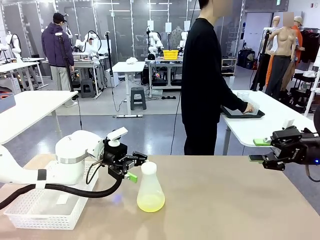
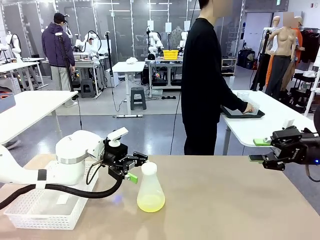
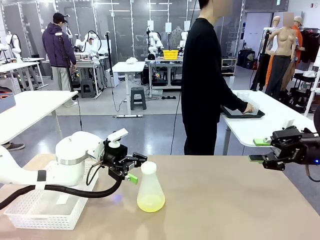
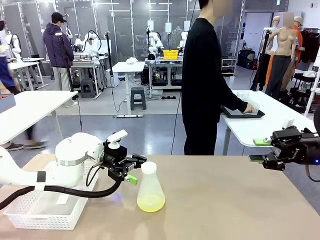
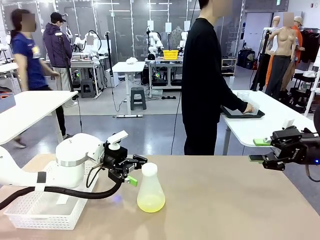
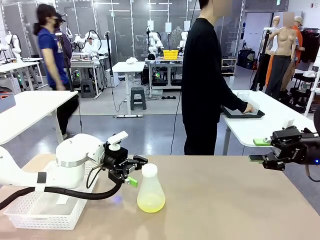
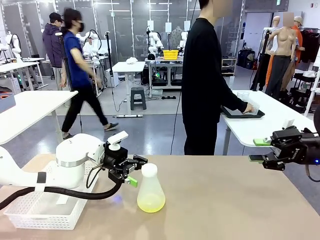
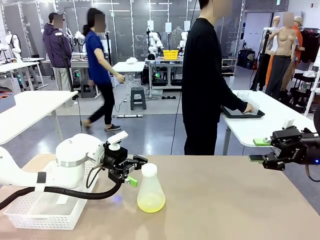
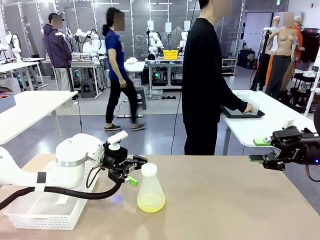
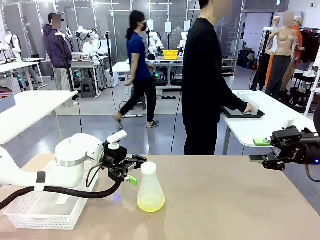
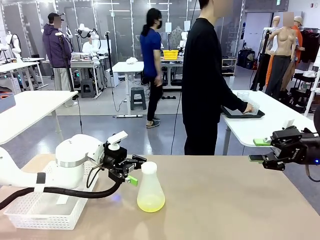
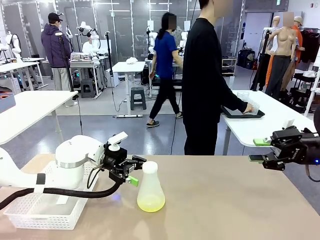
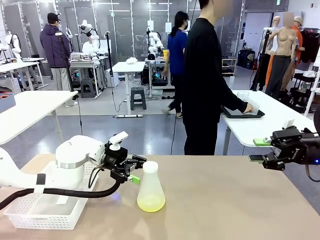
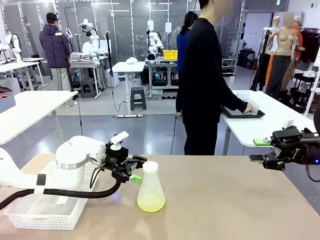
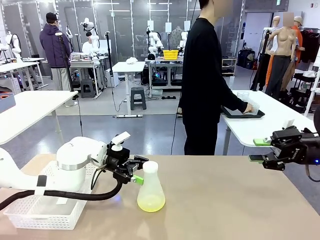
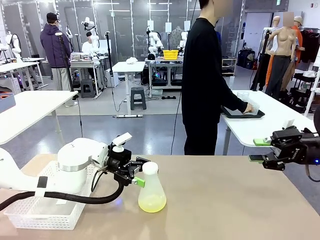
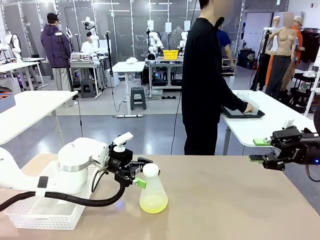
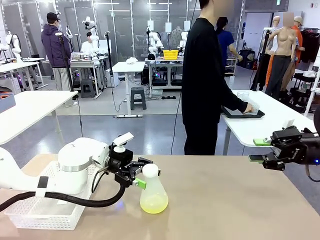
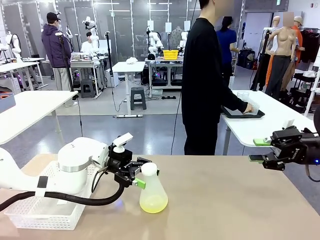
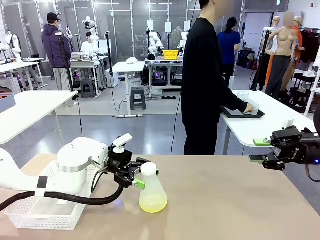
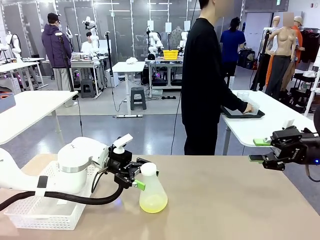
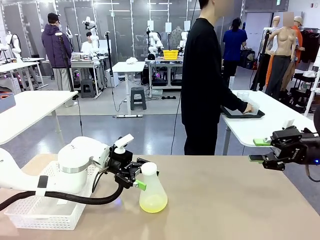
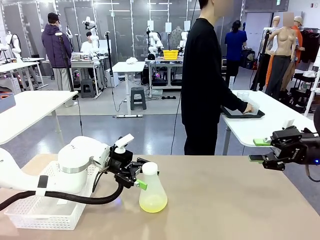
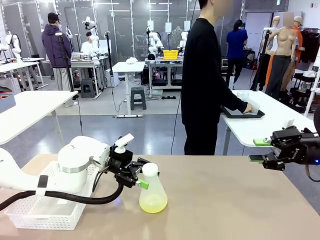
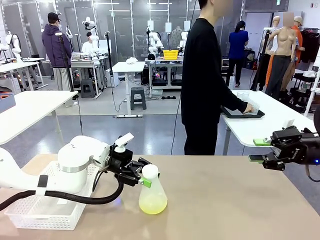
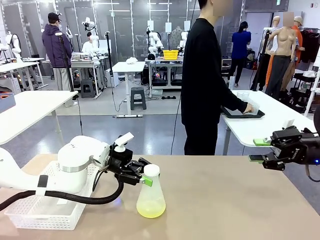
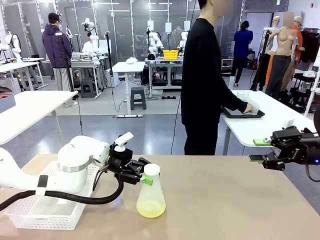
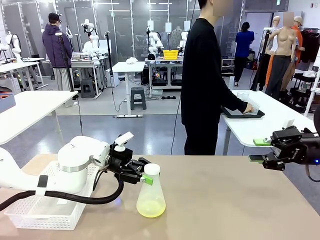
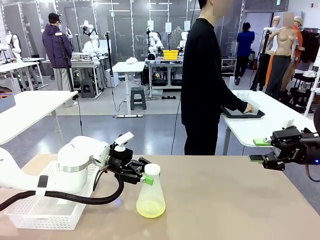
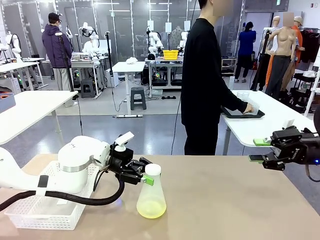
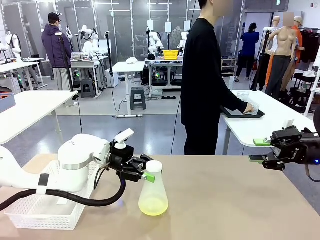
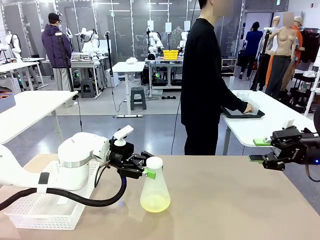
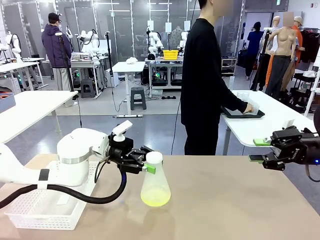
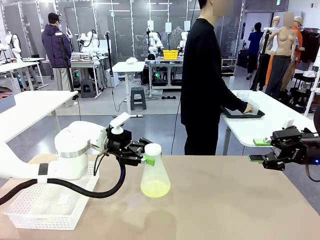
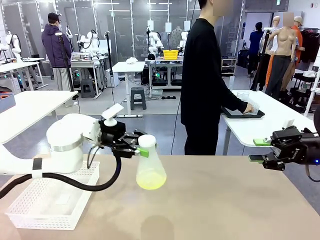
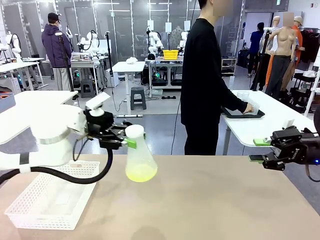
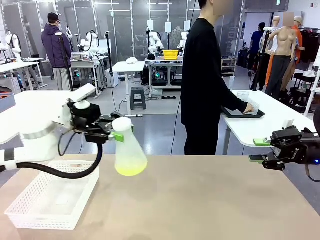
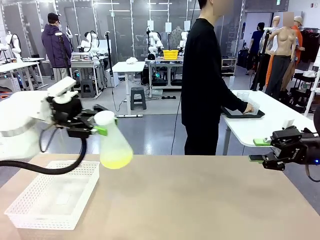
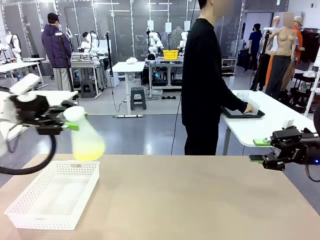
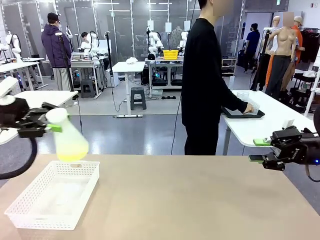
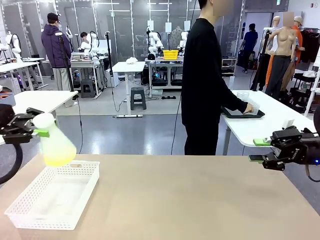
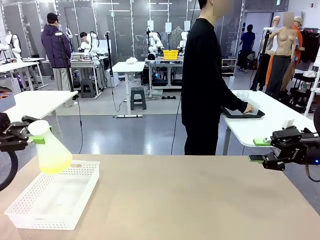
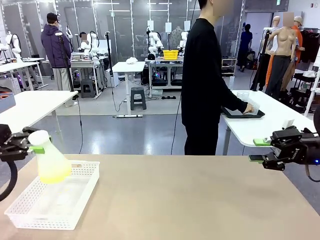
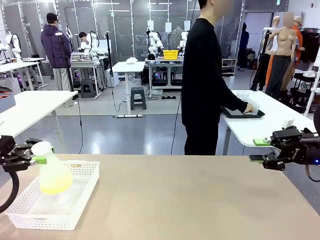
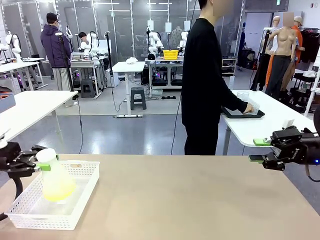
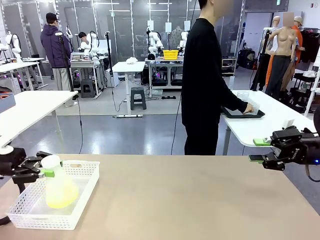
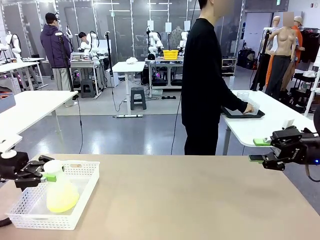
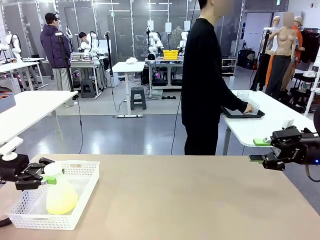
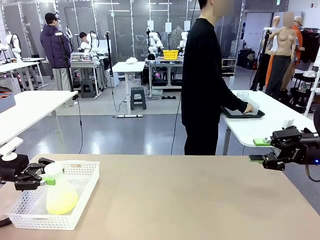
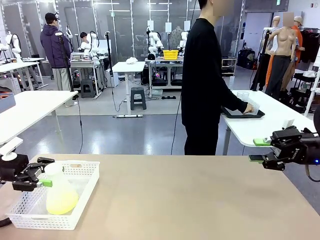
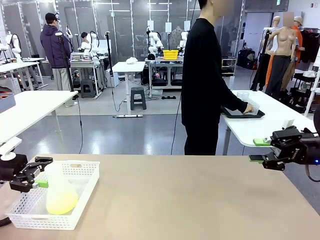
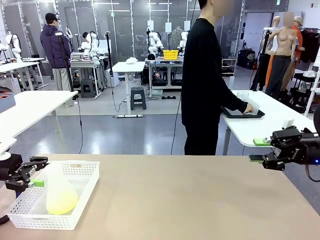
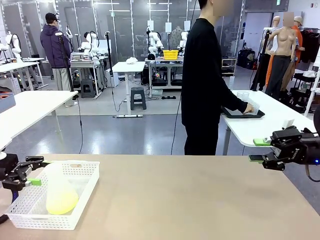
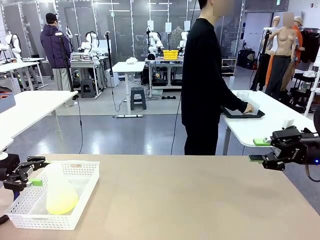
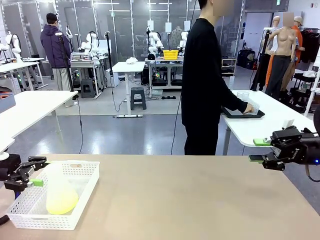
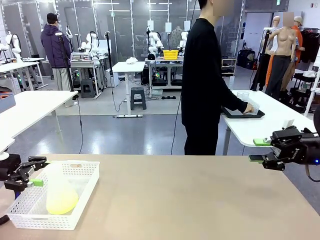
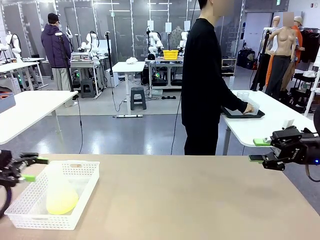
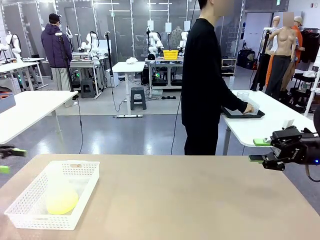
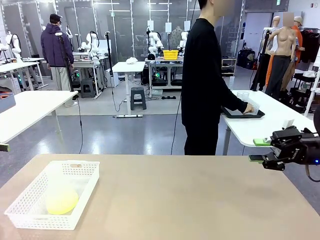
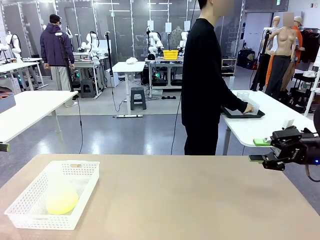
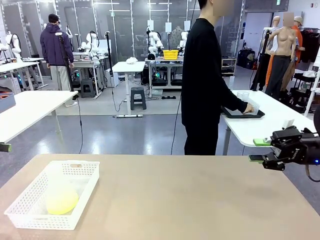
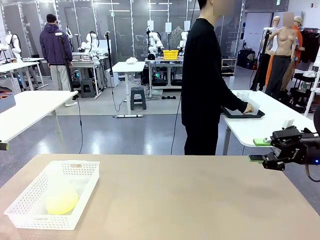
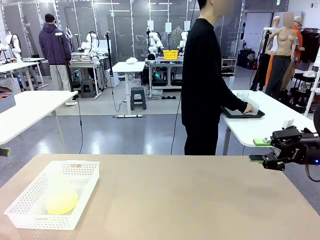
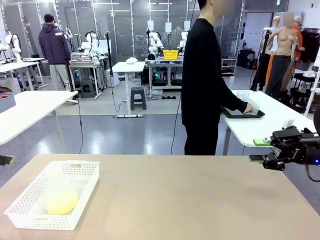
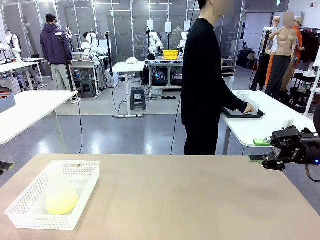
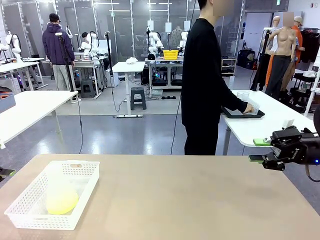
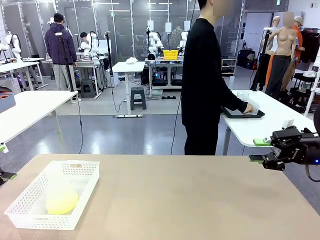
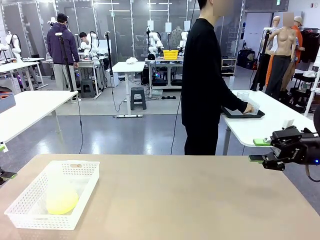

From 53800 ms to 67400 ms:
Task: Prepare the solutions needed for the experiment.
Robot: When the human places the Big flask in the center of the table, pick up the Big flask and place it in the left Organizing basket.
Person: Pick up the organizing basket on the left side of the robot table and place it on the left side of the human table.
